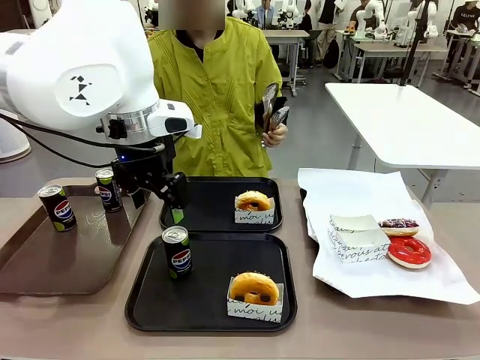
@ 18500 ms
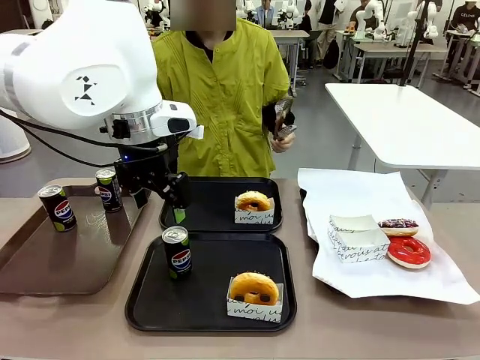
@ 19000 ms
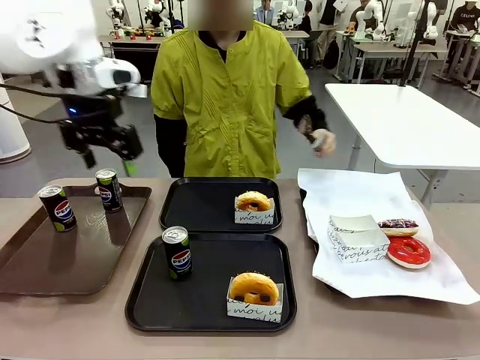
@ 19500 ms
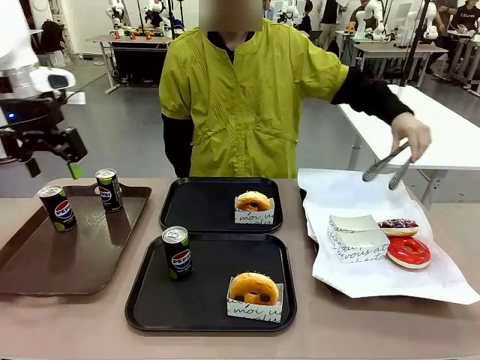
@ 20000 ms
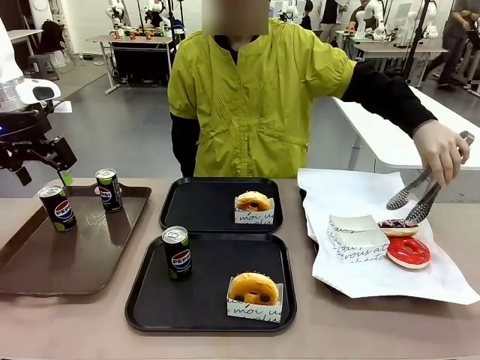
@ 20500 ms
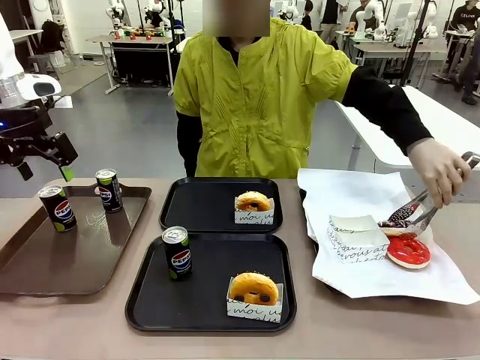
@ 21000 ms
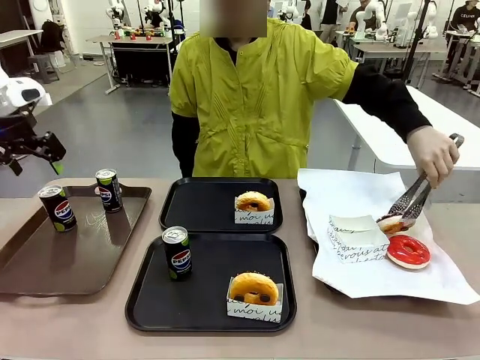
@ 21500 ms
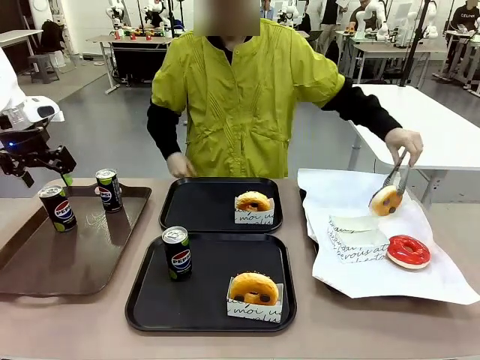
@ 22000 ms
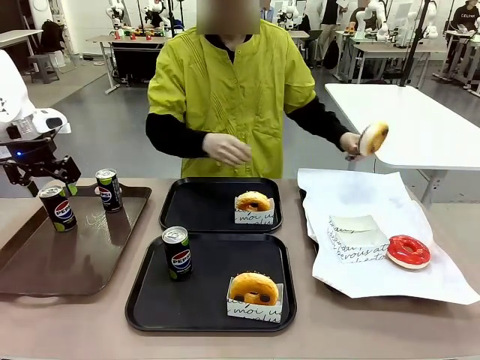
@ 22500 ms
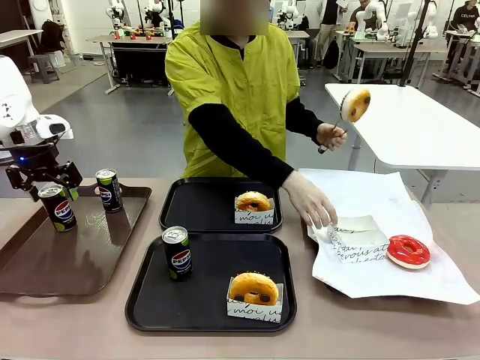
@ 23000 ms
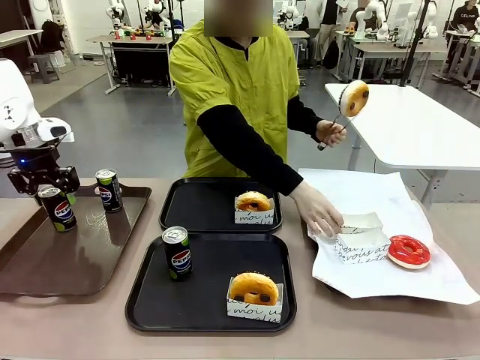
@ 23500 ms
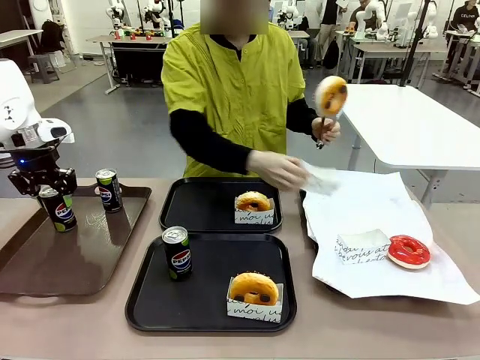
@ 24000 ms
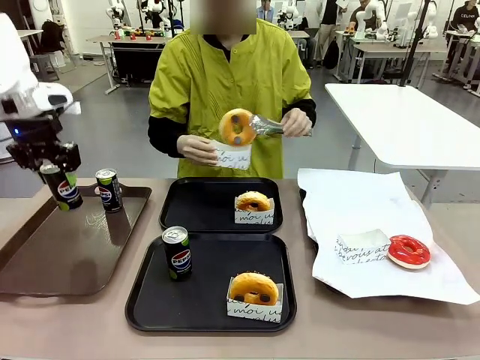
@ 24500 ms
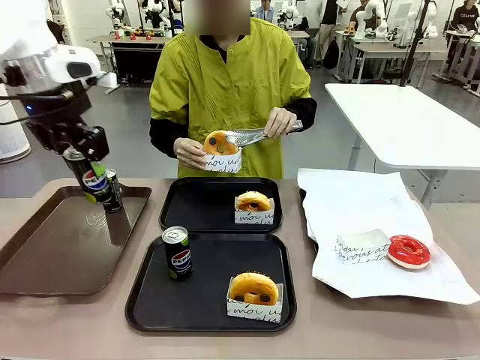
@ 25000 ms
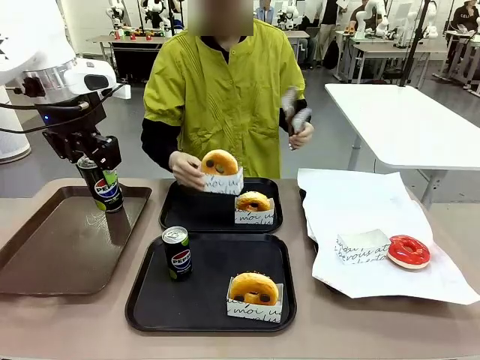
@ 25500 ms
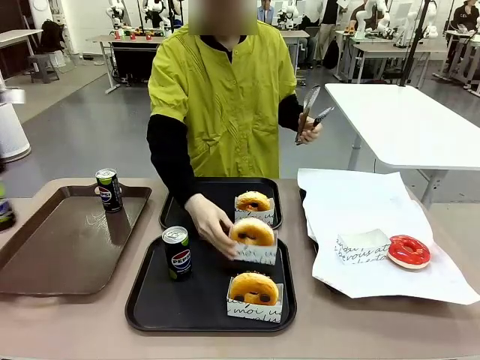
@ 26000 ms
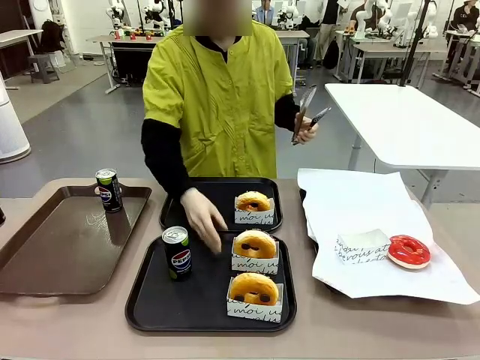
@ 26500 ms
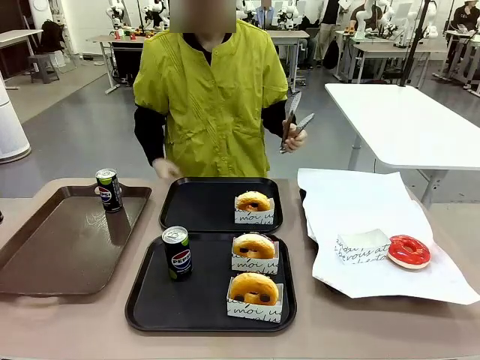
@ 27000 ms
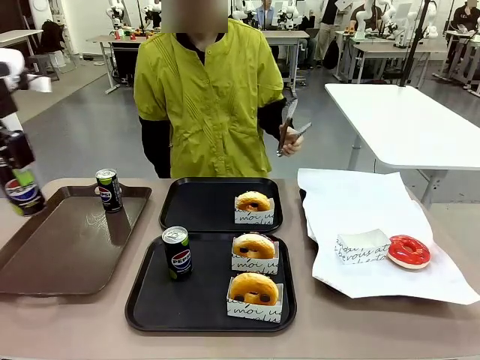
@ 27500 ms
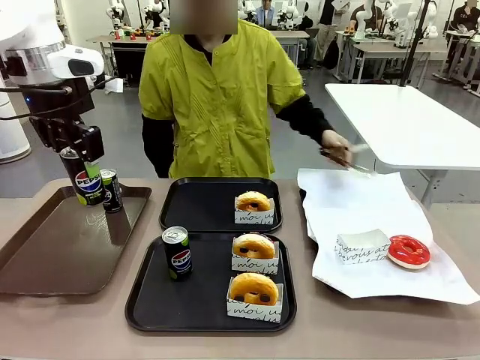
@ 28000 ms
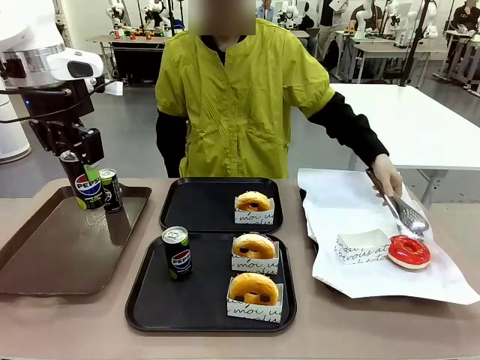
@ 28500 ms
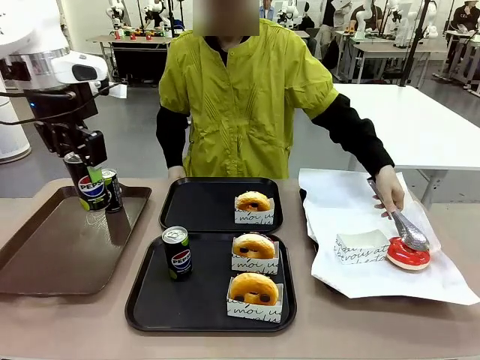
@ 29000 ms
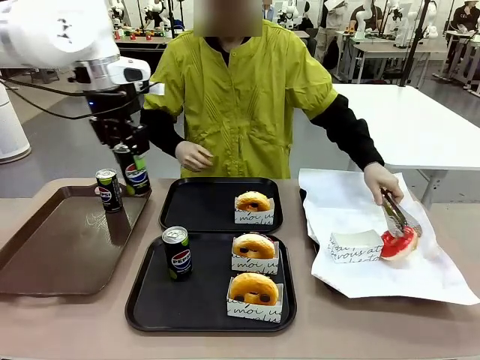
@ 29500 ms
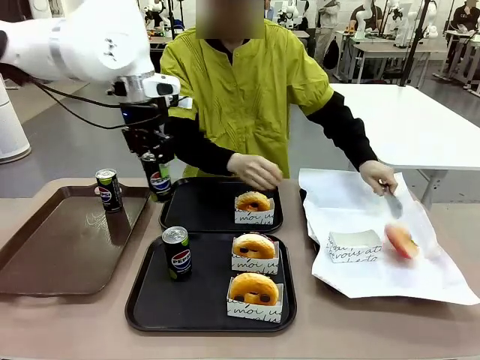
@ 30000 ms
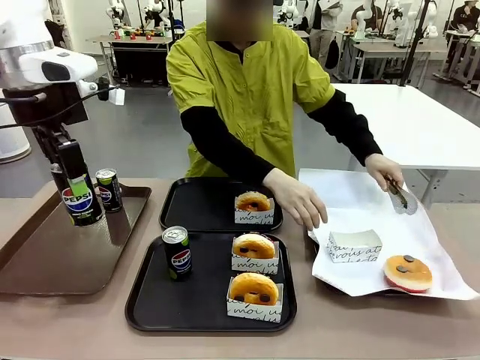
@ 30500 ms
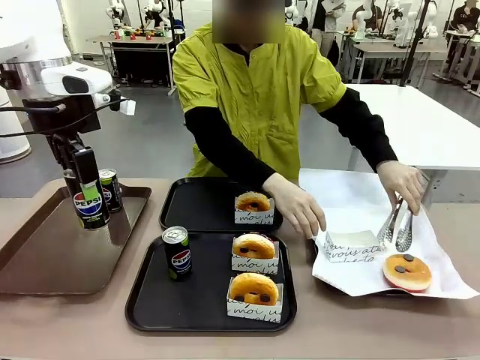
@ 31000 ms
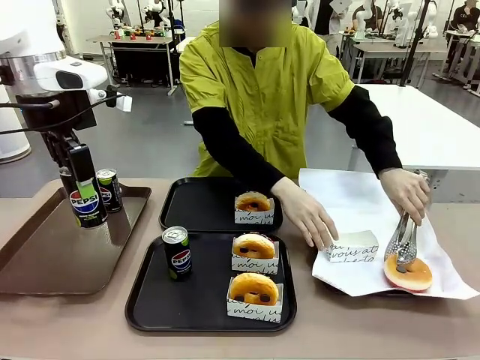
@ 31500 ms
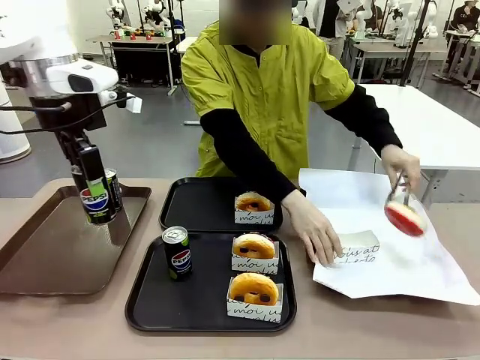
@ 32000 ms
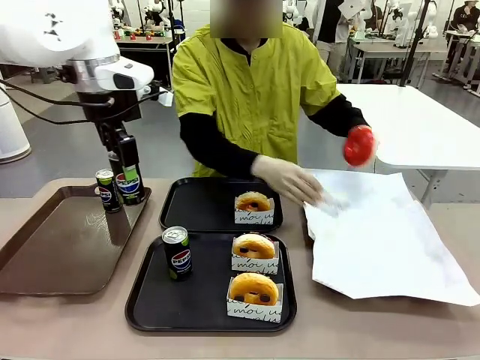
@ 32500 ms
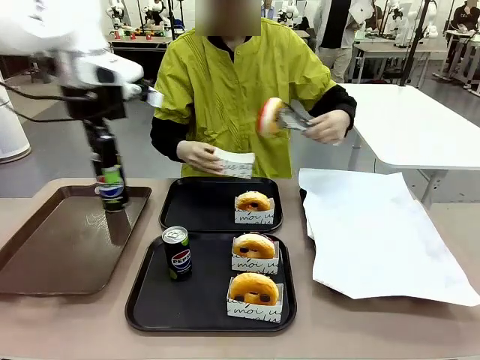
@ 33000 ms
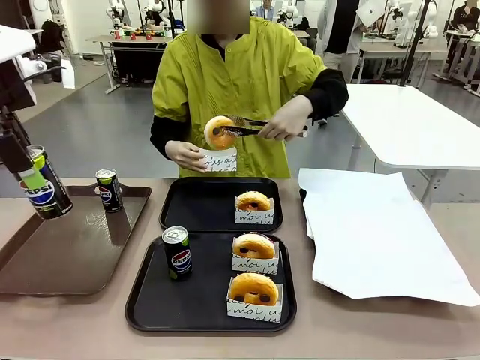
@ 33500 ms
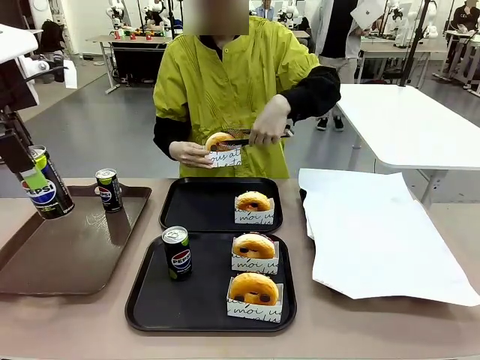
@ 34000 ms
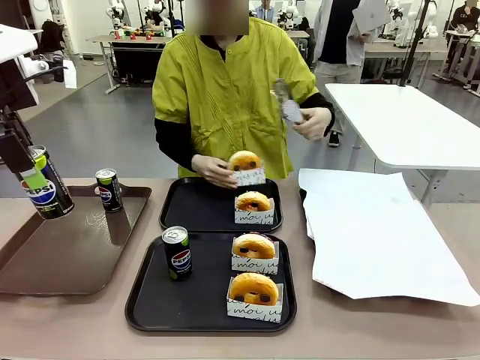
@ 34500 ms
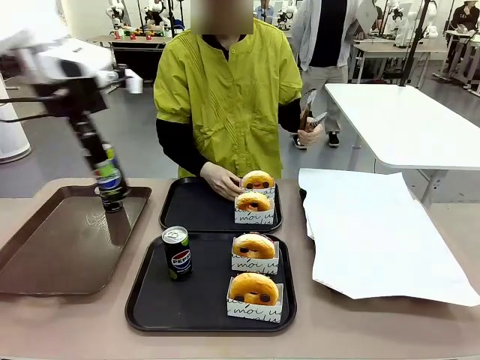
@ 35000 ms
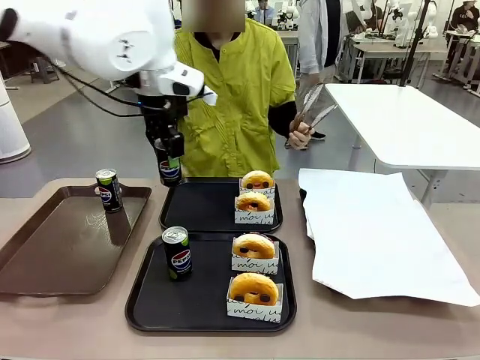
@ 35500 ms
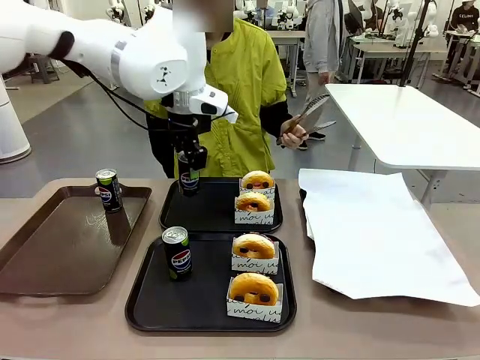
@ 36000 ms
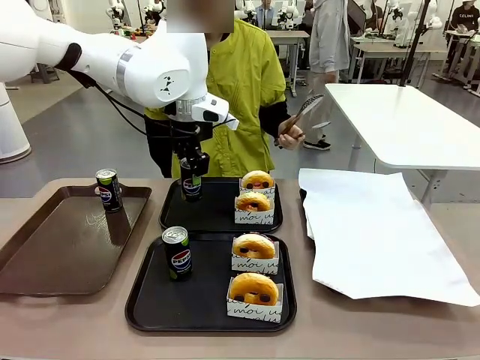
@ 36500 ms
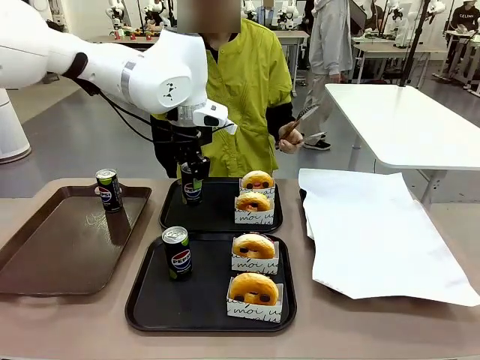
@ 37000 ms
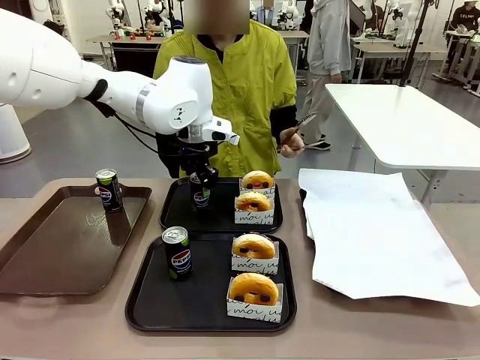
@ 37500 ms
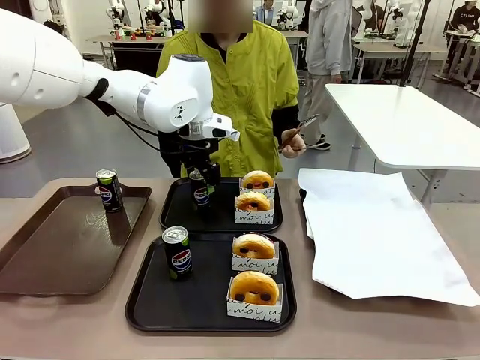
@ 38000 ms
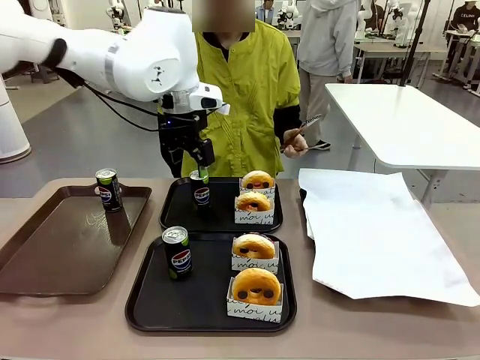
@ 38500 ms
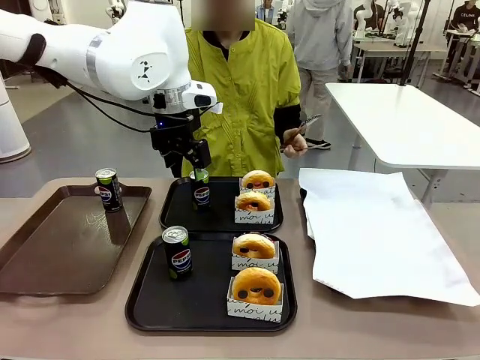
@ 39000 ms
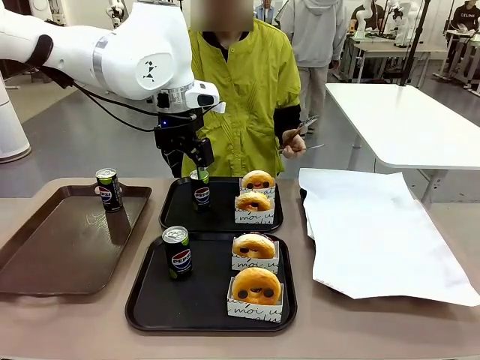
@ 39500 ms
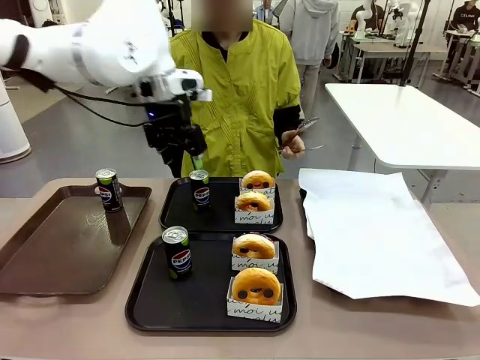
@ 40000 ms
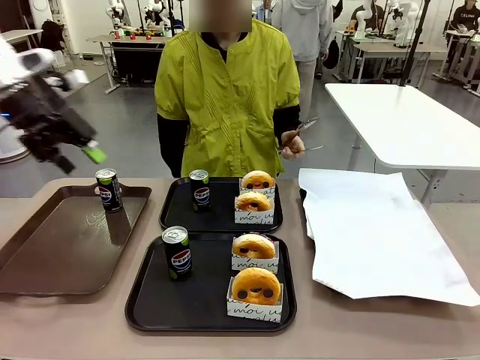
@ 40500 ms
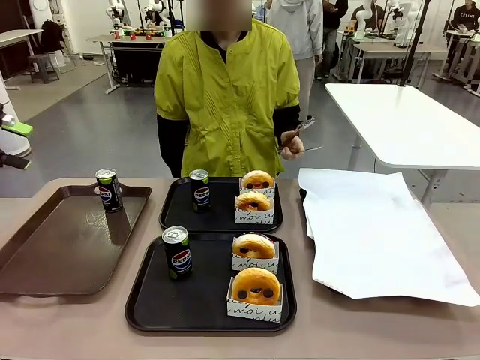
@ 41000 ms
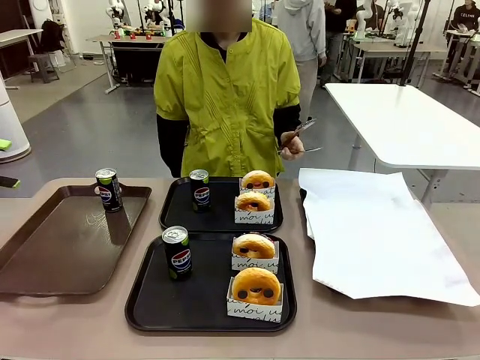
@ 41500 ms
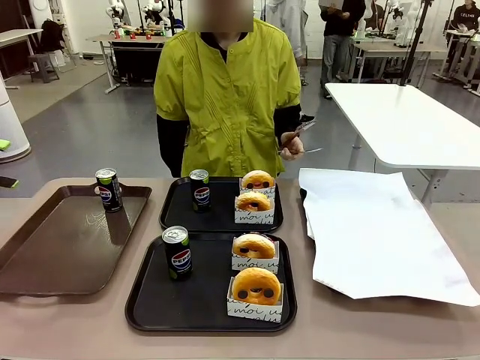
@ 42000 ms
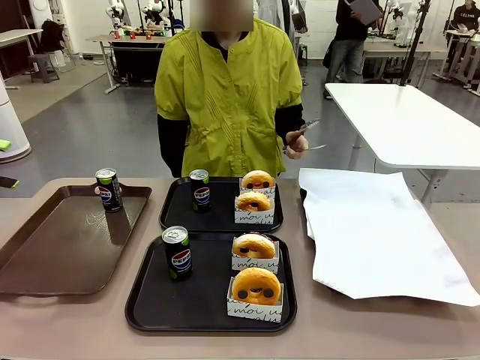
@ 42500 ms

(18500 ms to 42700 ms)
Task: Set up donuts and drinks on trays.
Robot: Pick up one Pepsi coke from the Handle tray and place it on the Flat Tray without a Pepsi coke.
Person: Pick up one donut with tongs, place it in the donut tray, and then place the donut tray on the flat tray.
